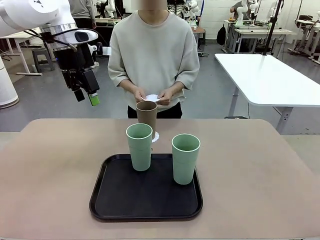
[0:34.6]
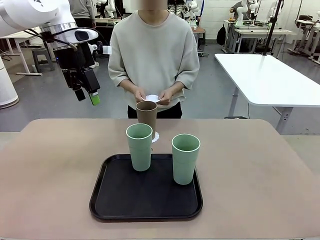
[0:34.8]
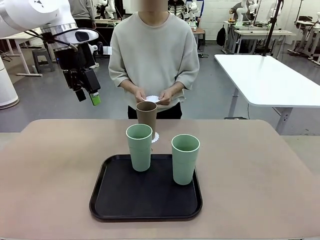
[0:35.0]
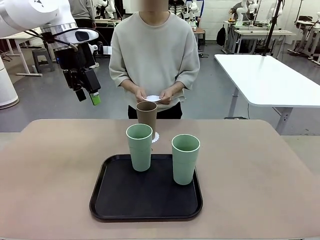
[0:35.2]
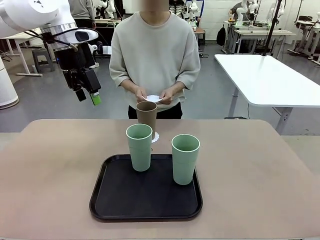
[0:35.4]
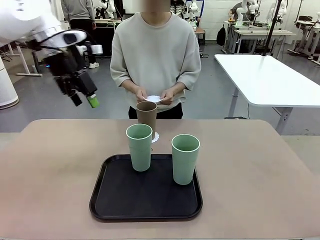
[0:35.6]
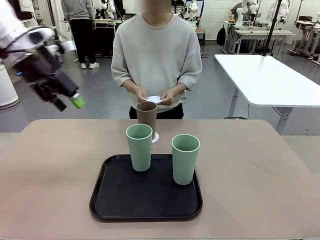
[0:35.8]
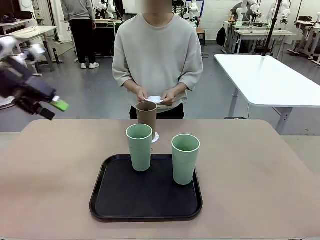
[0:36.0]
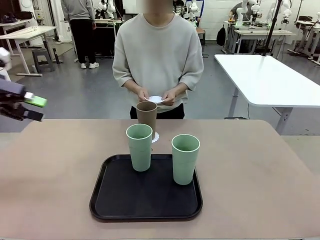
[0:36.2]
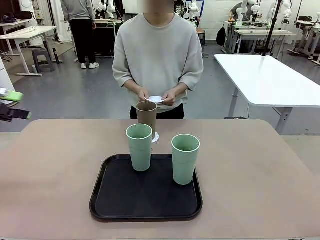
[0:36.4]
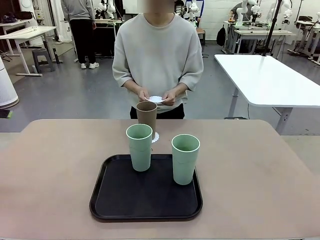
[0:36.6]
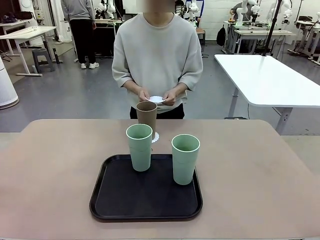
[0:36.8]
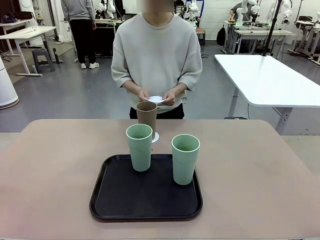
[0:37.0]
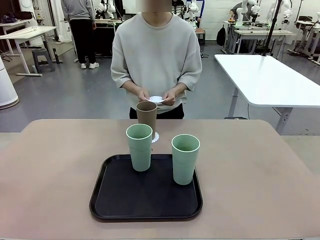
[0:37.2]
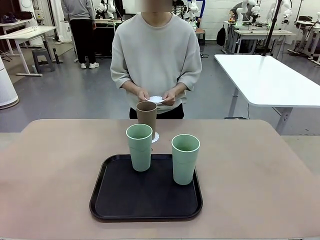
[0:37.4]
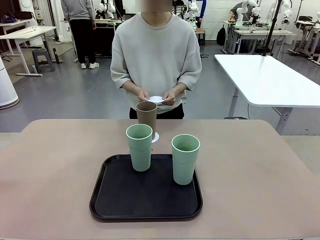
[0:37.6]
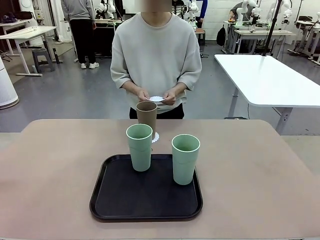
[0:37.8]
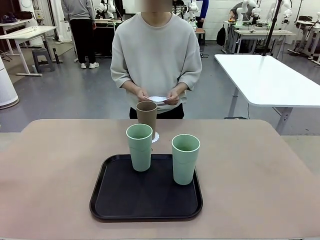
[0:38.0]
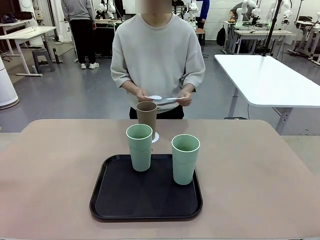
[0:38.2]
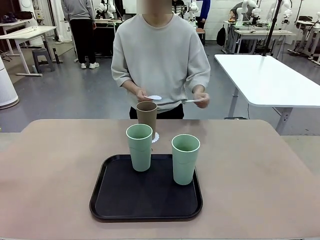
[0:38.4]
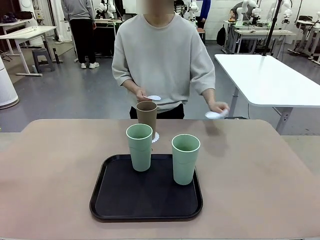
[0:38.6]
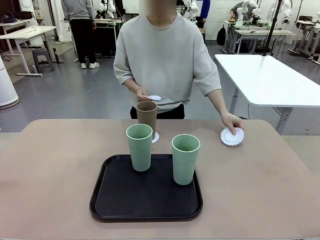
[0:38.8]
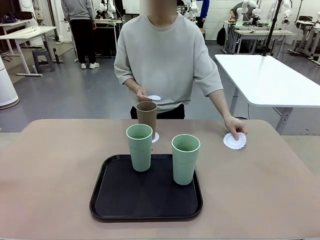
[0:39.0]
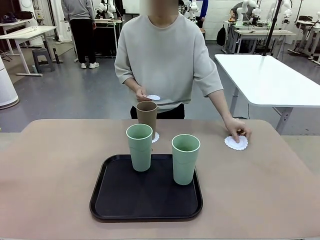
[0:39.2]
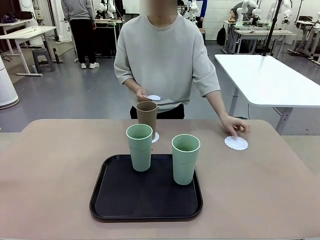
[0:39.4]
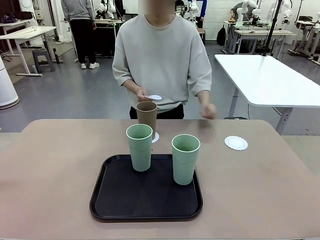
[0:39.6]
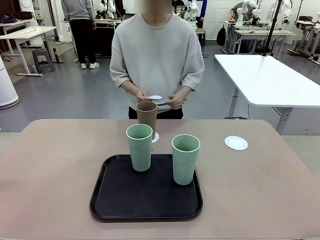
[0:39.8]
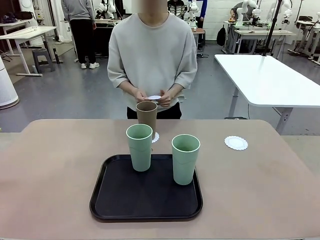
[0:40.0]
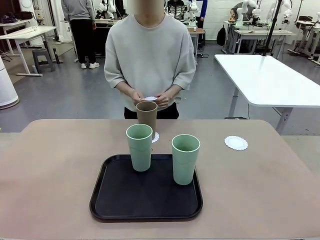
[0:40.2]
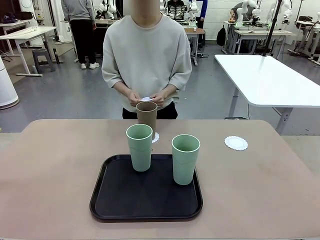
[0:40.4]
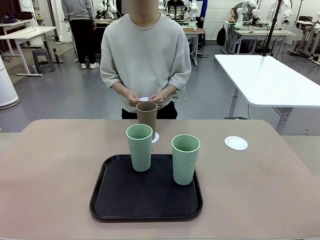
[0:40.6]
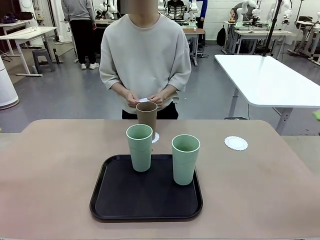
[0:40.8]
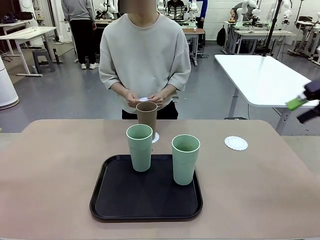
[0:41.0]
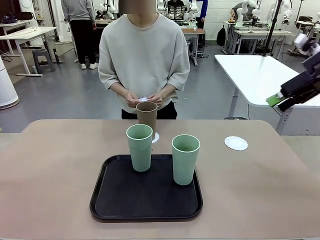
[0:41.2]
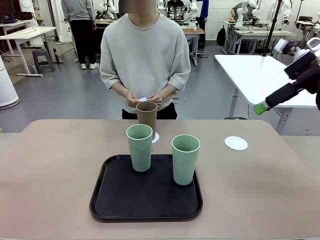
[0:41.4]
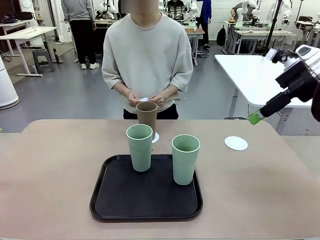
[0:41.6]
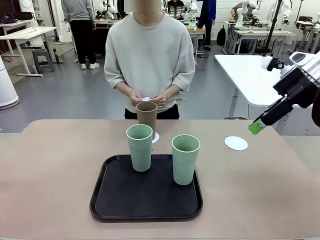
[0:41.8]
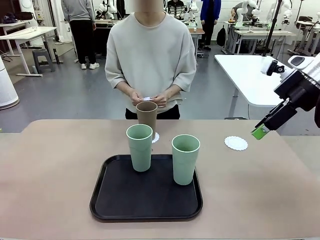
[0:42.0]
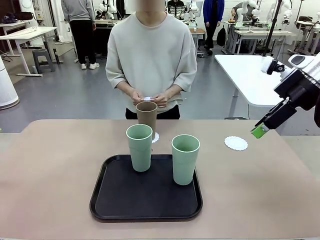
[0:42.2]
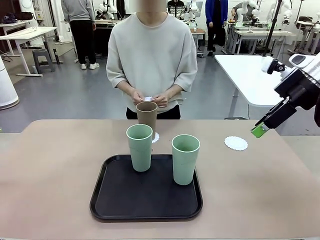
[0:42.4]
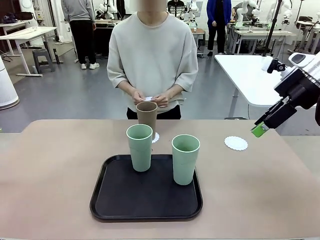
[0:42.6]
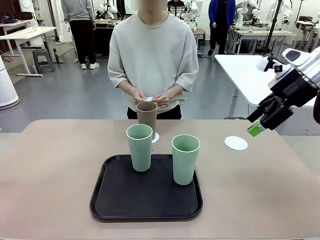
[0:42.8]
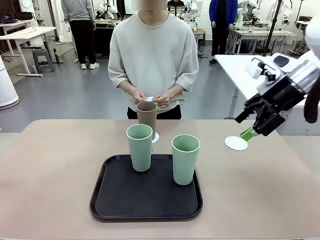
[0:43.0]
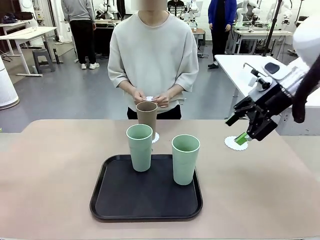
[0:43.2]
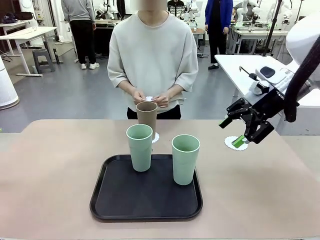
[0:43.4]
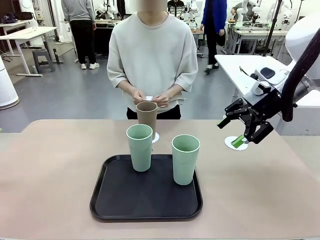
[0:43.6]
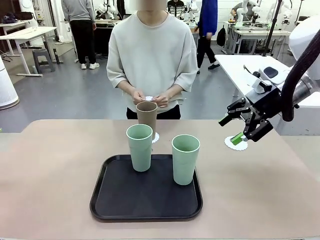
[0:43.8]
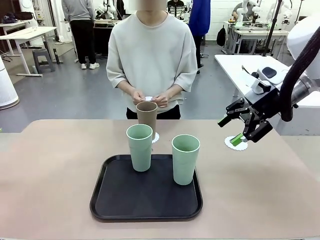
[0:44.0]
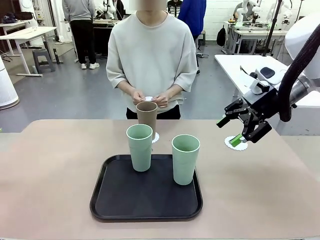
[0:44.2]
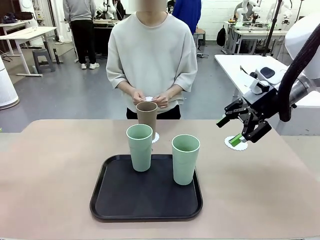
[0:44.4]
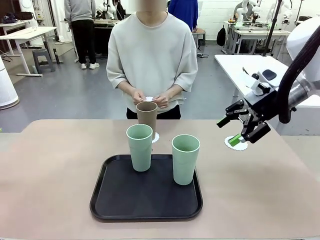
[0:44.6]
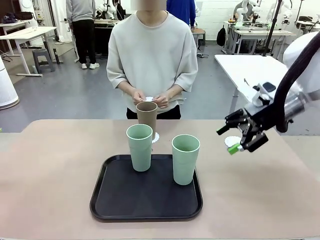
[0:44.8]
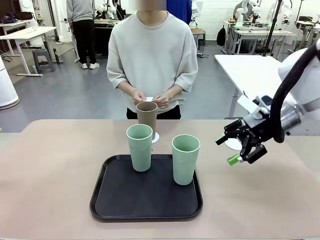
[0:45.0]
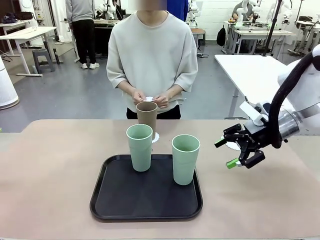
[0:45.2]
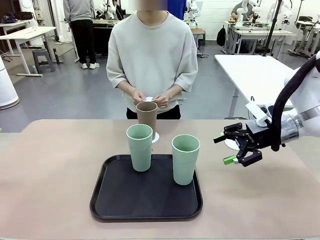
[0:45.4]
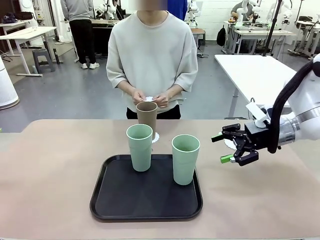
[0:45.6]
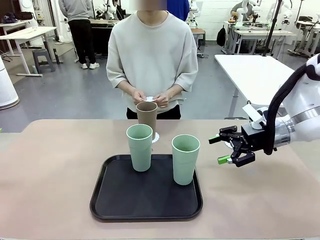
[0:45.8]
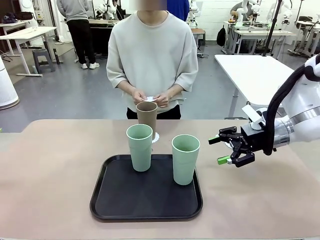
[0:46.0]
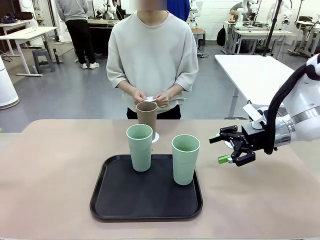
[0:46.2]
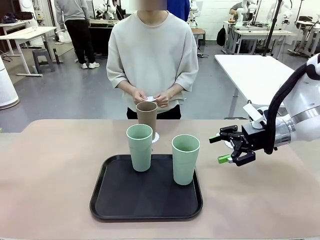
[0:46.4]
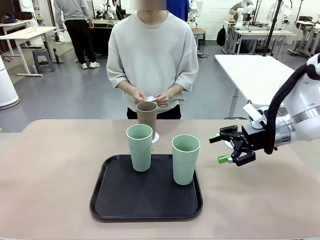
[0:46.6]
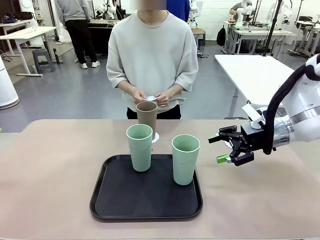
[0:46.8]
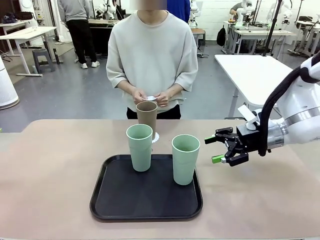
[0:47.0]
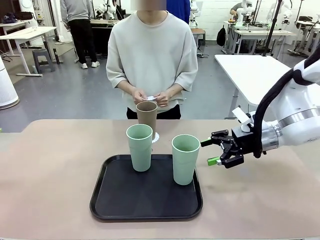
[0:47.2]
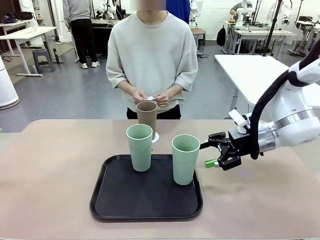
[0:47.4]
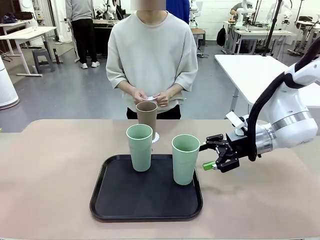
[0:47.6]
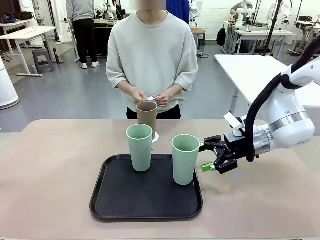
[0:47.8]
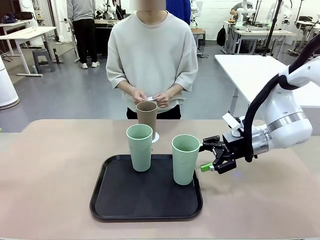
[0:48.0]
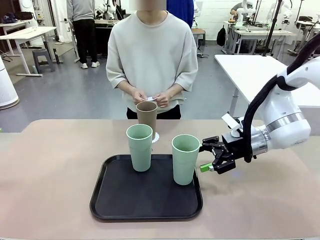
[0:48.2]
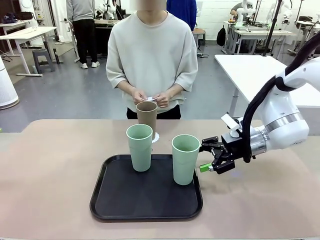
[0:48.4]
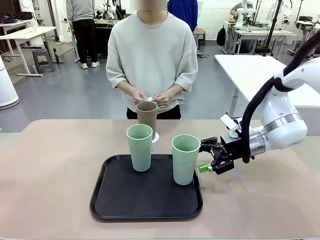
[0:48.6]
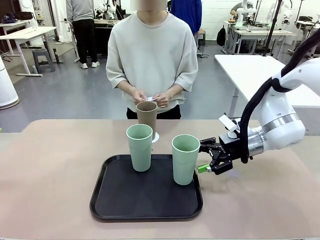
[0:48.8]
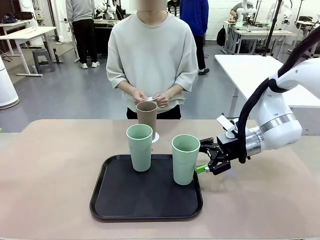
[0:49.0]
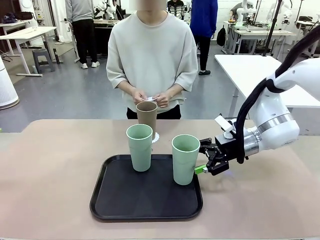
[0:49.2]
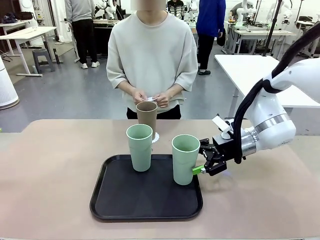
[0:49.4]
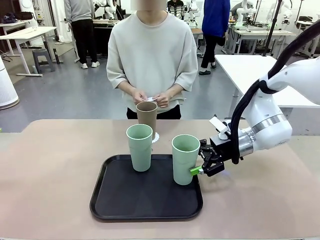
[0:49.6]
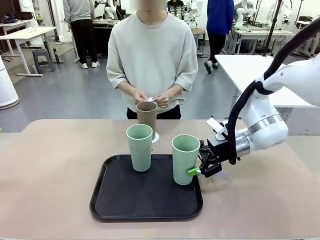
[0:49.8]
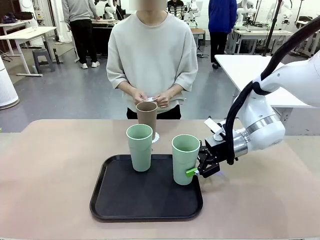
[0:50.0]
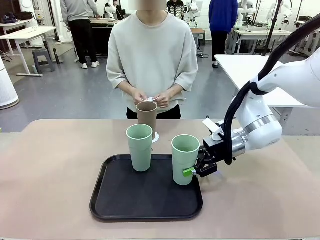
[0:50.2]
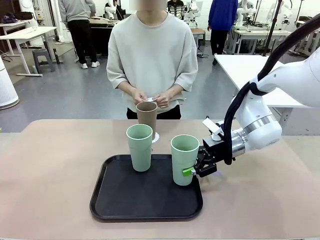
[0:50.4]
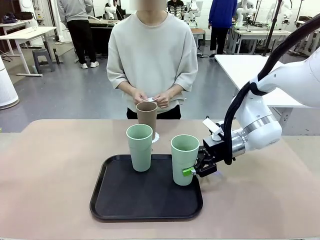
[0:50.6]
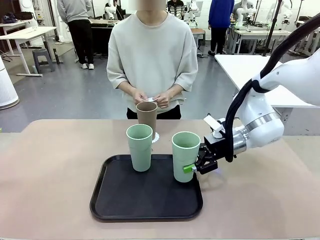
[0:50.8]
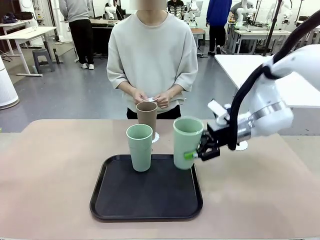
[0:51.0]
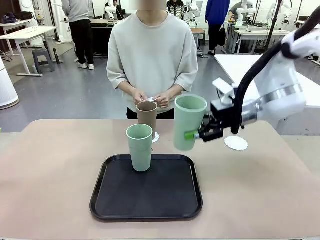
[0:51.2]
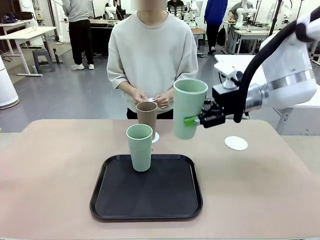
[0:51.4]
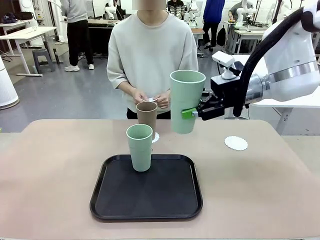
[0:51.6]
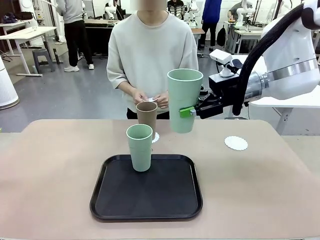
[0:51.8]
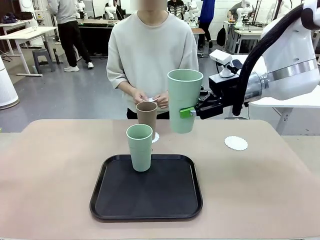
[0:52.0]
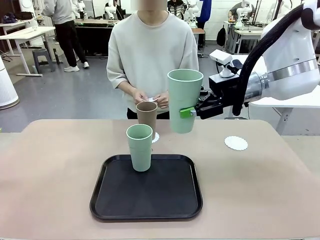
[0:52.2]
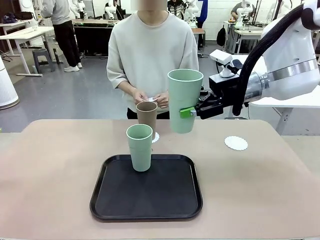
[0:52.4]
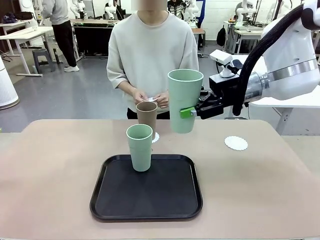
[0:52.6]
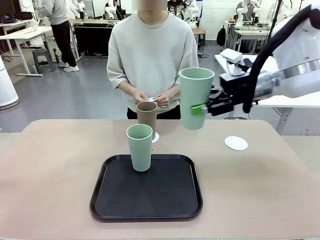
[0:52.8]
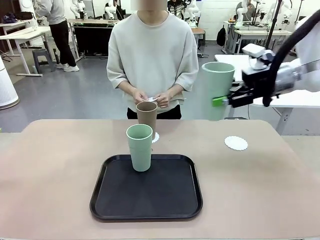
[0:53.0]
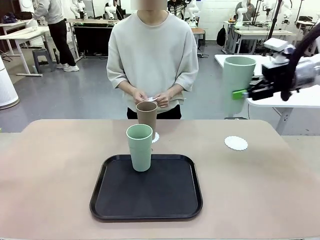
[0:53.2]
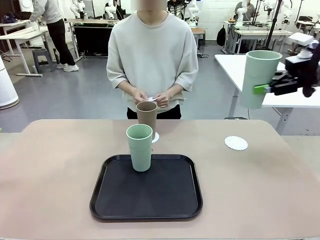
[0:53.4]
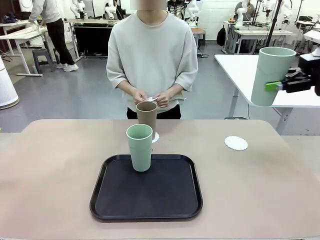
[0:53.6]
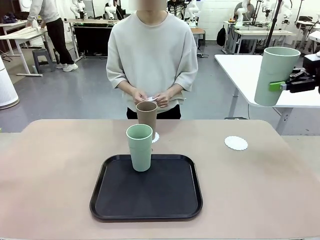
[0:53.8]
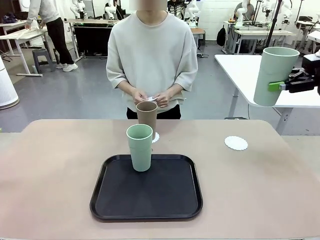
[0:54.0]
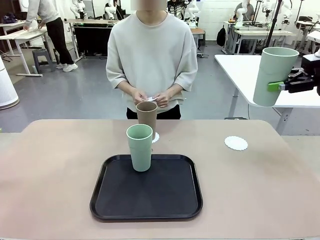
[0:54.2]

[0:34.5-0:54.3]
Task: Place coasters on the table and set cups on them.
Robot: Take one Reusable plastic cup from the Flat Tray and place it on a coaster set by the human.
